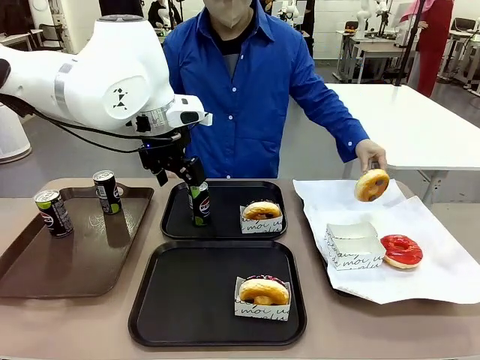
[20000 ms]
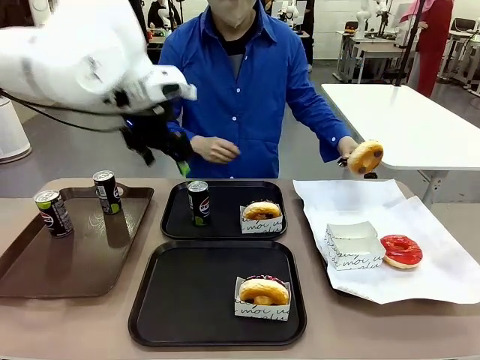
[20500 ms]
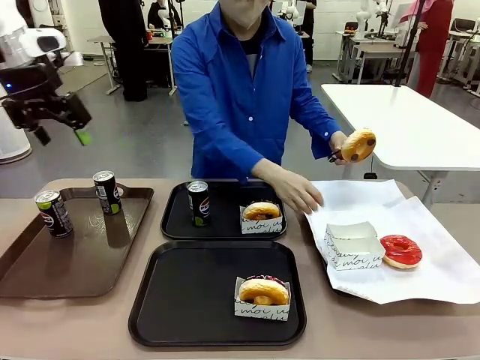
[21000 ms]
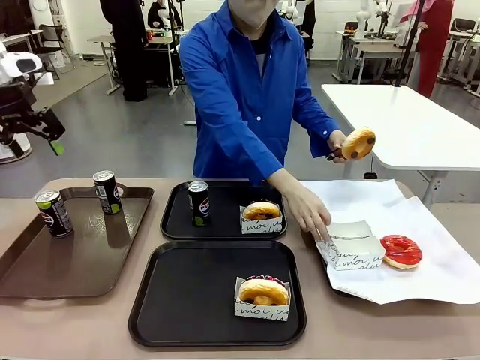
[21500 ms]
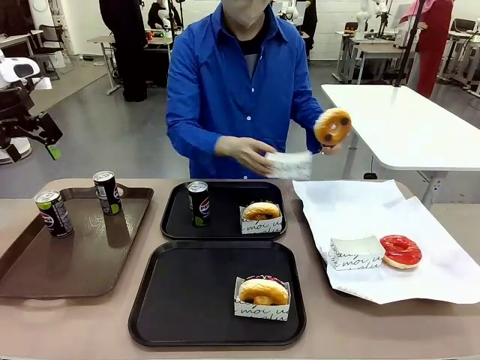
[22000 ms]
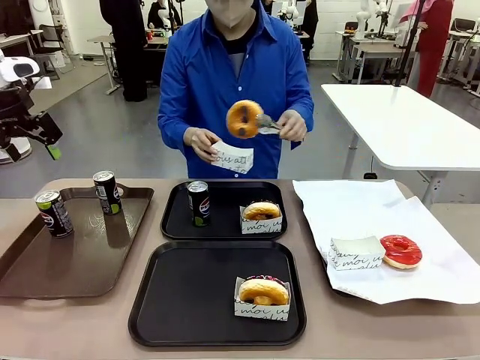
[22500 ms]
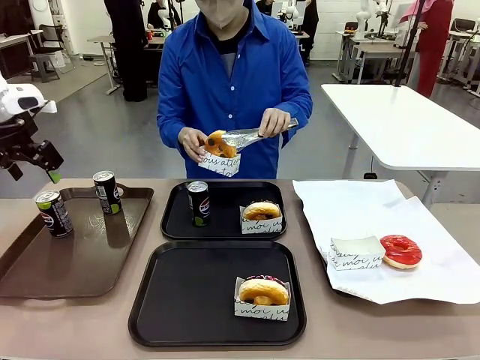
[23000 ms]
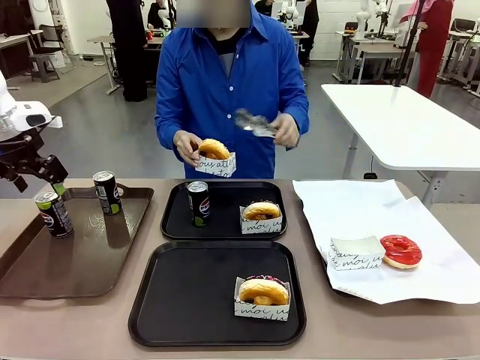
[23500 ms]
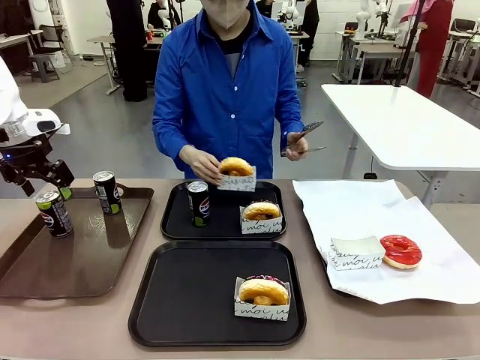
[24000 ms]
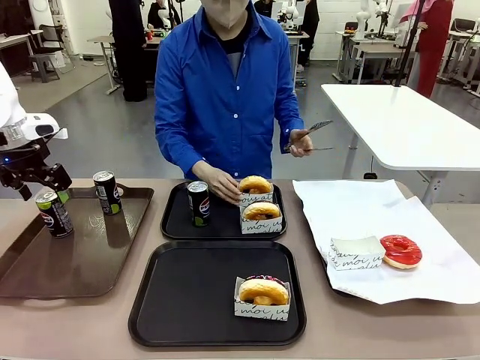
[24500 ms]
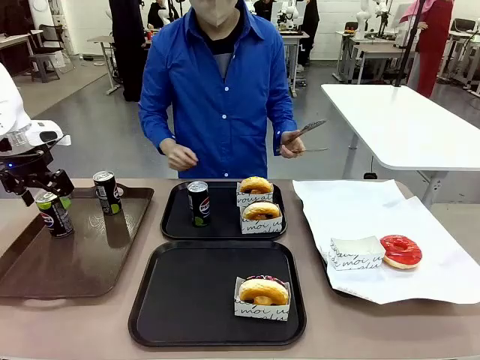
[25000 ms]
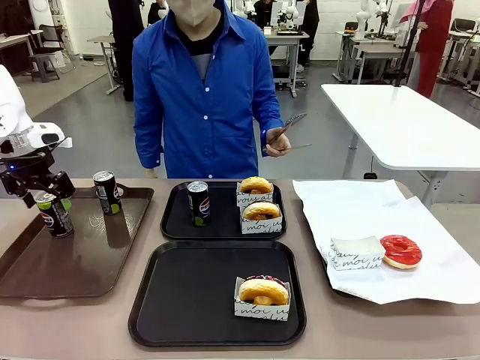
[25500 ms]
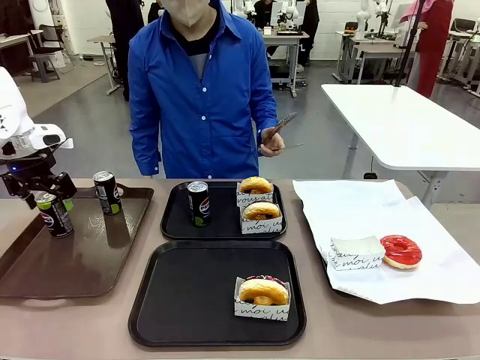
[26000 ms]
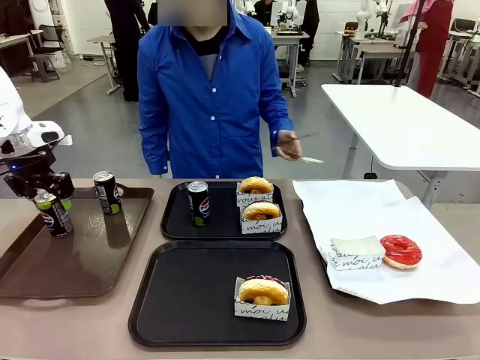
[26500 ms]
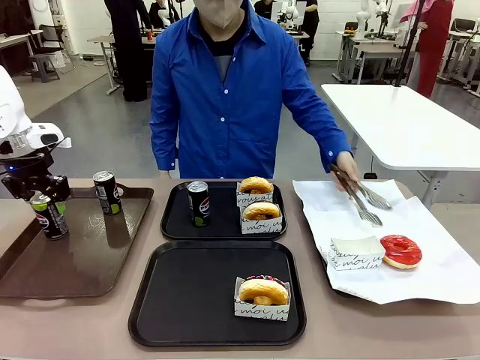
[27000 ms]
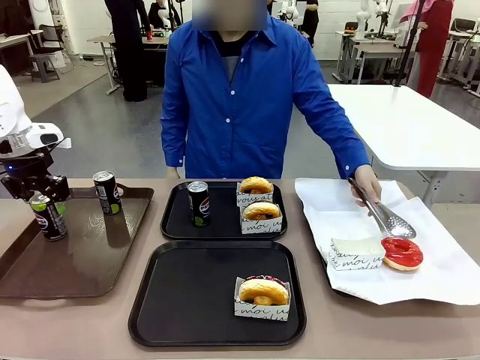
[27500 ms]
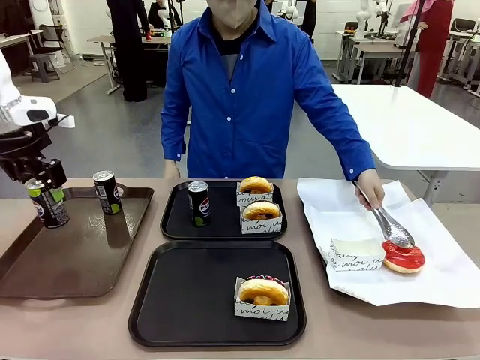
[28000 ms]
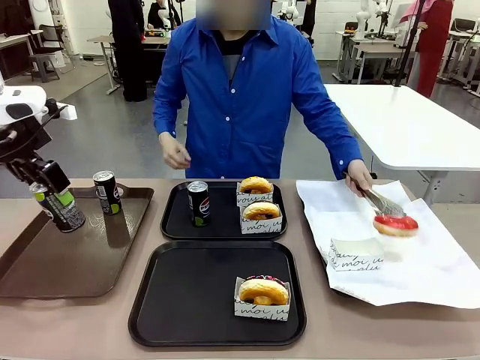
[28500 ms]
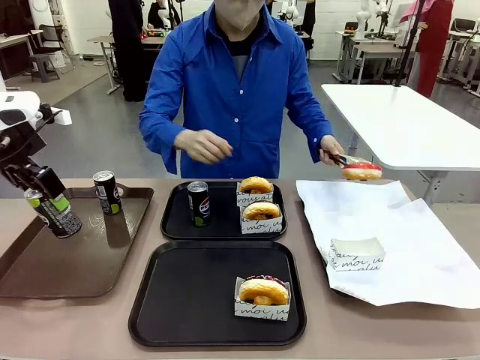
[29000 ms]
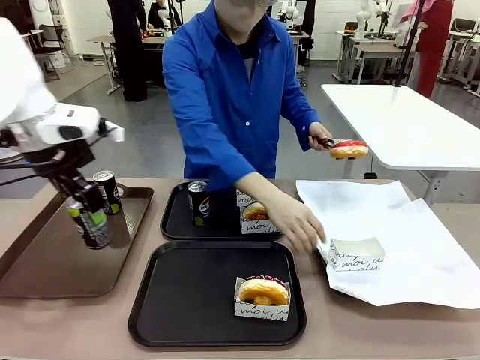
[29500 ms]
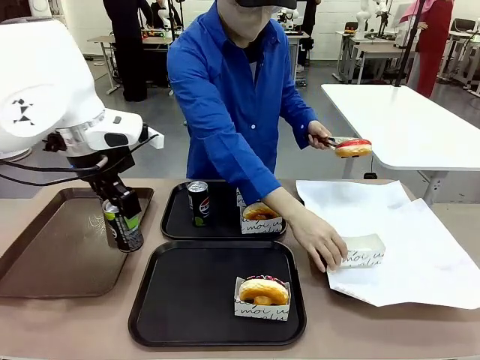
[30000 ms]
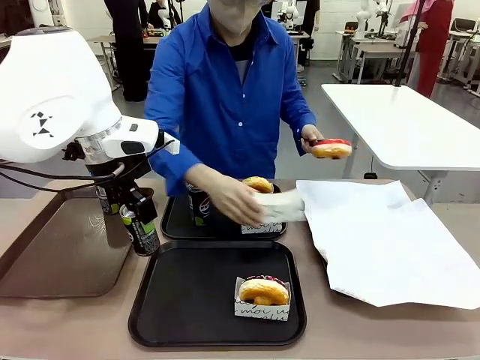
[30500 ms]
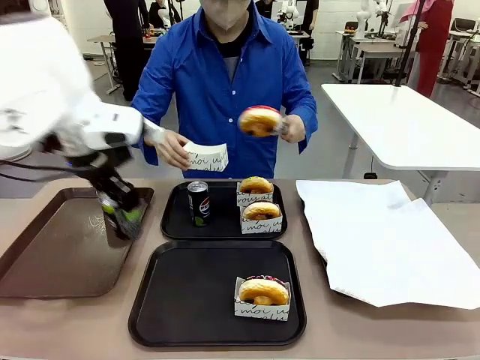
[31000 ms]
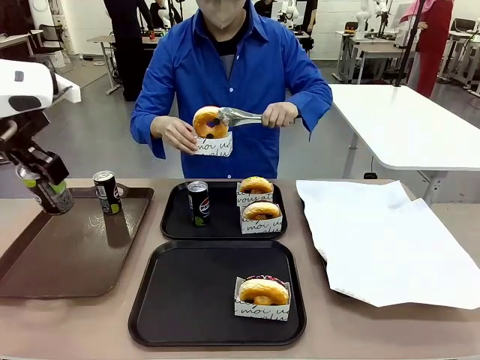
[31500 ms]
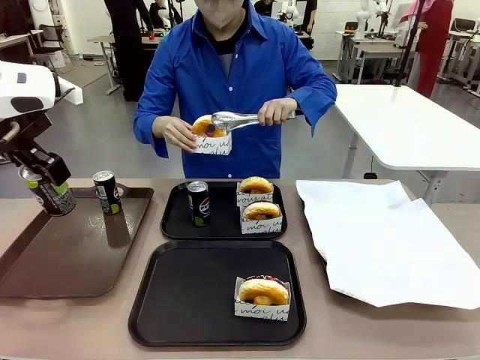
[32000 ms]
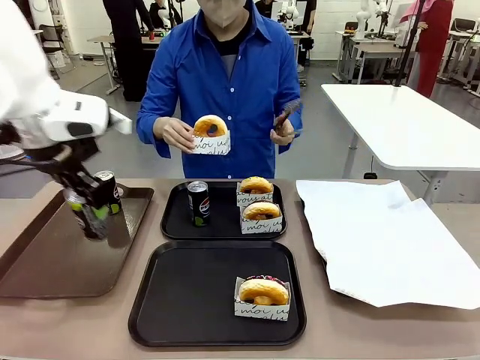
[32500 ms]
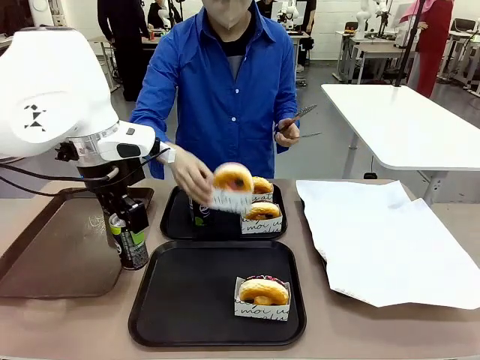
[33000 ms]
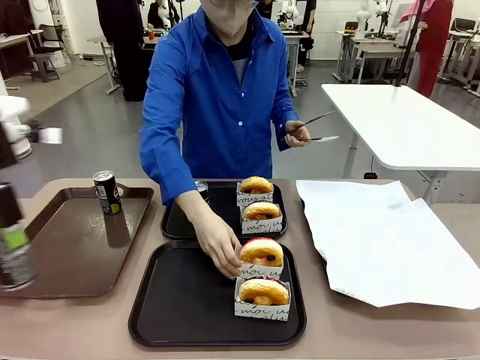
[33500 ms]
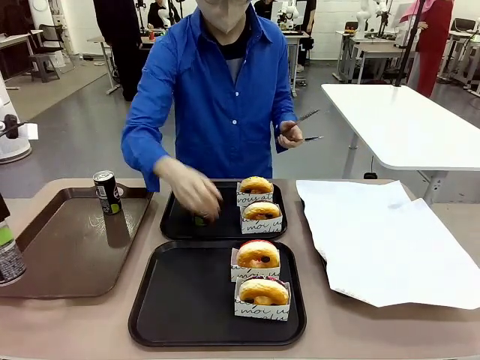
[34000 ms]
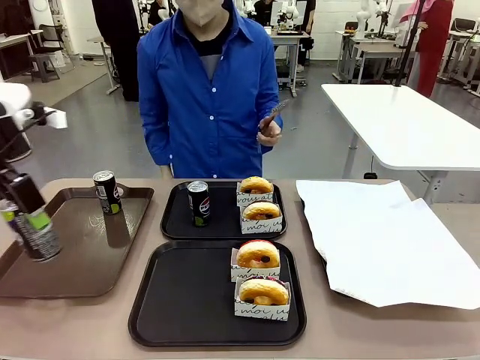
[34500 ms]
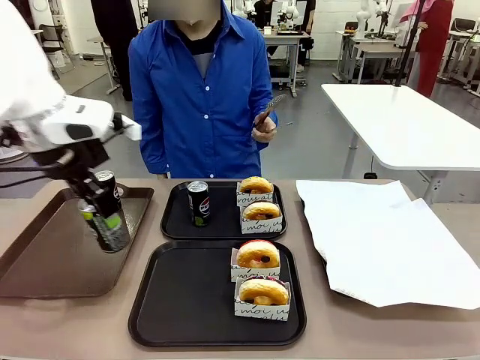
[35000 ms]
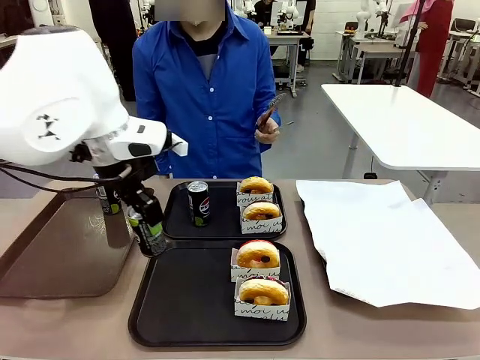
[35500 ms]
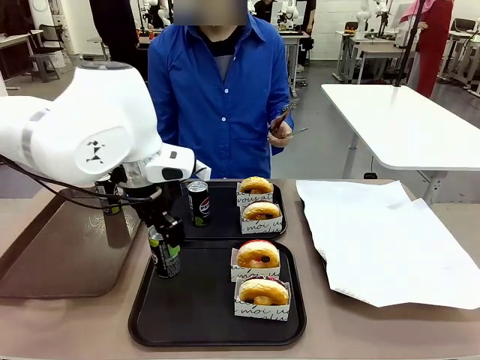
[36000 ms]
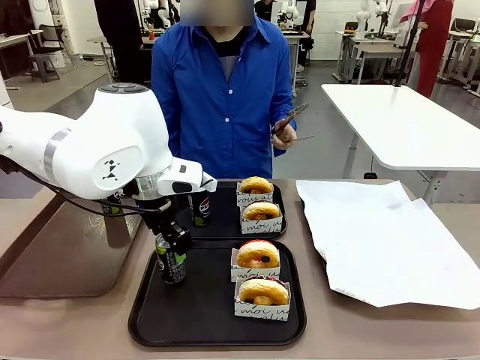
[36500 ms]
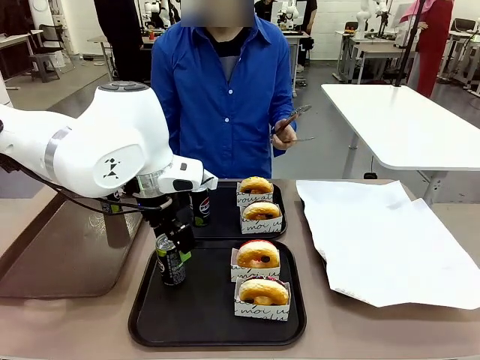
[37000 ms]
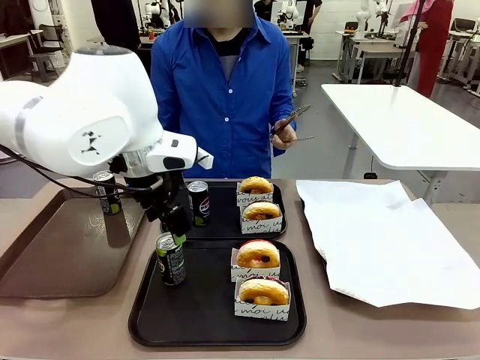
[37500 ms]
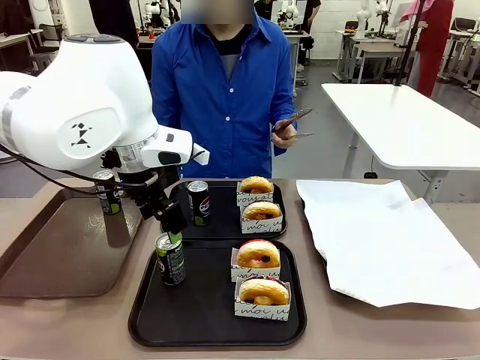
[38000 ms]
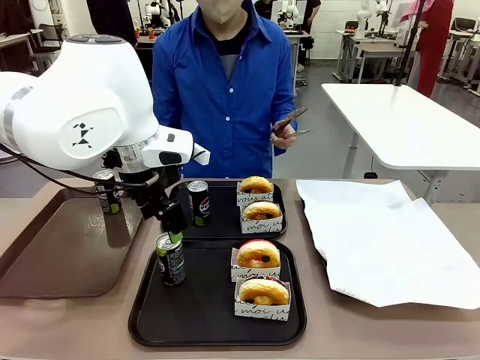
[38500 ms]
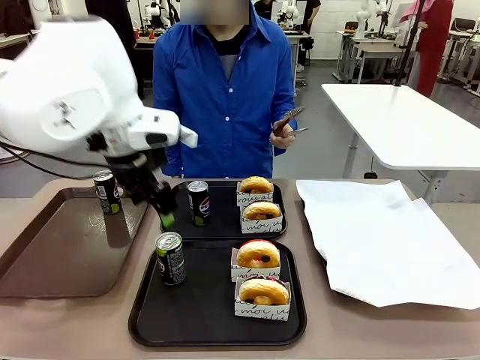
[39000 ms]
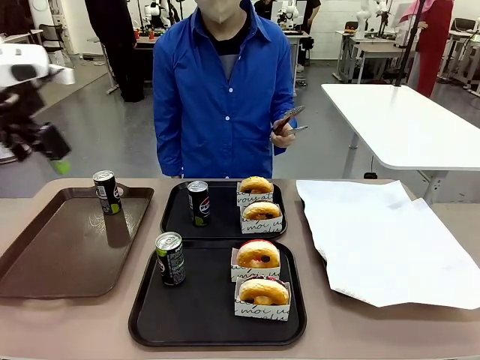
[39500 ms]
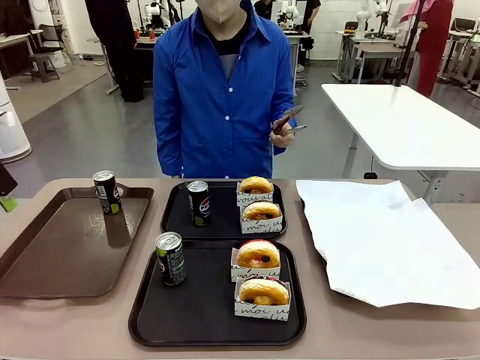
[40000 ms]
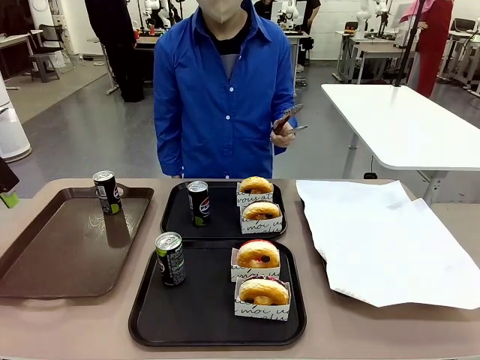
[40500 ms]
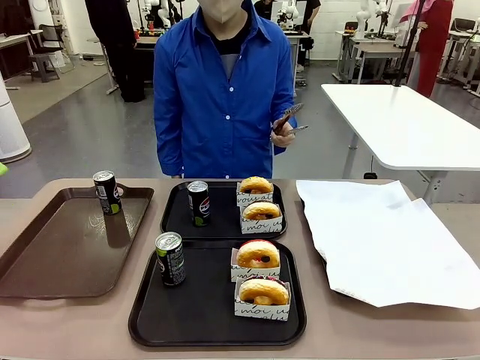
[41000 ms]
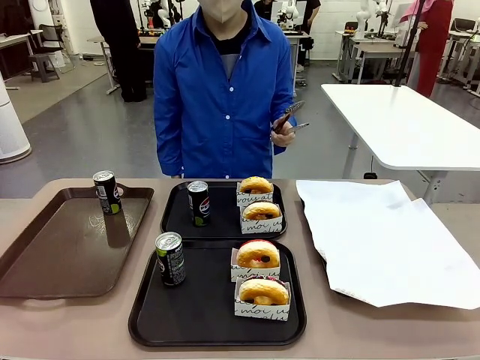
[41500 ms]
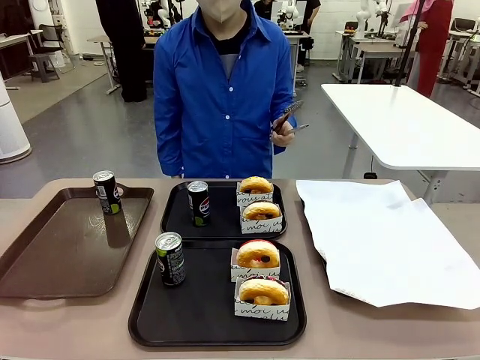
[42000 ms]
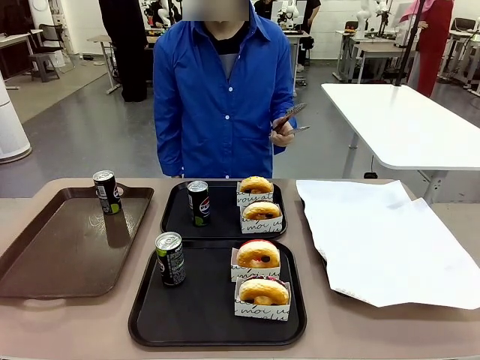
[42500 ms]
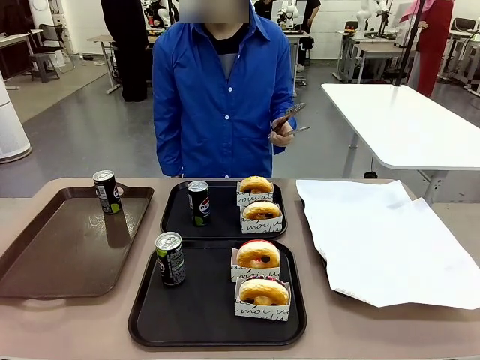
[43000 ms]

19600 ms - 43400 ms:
Task: Set up donuts and drinks on trays.
Robot: Pick up one Pepsi coke from the Handle tray and place it on the Flat Tray without a Pepsi coke.
Person: Pick up one donut with tongs, place it in the donut tray, and then place the donut tray on the flat tray.
